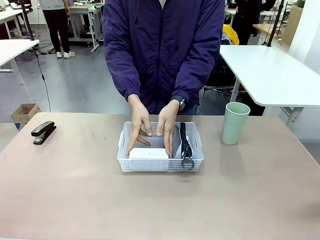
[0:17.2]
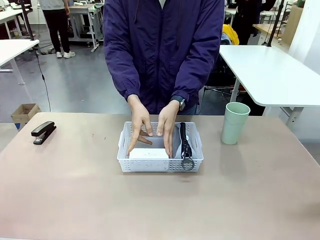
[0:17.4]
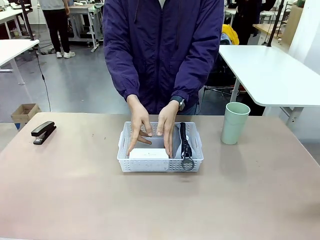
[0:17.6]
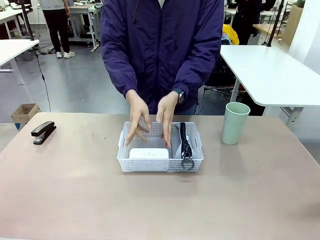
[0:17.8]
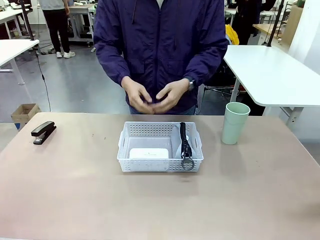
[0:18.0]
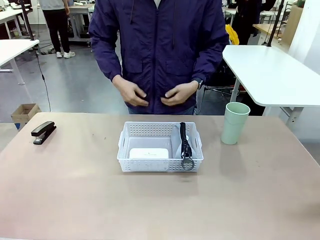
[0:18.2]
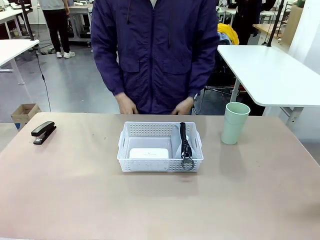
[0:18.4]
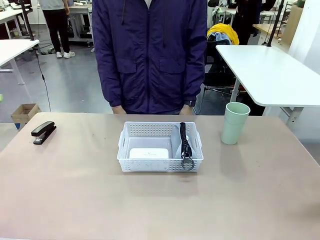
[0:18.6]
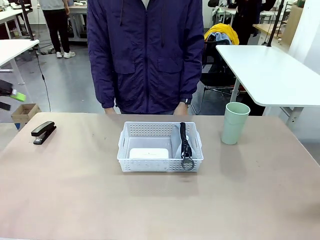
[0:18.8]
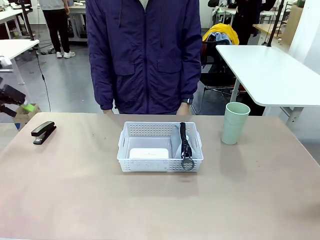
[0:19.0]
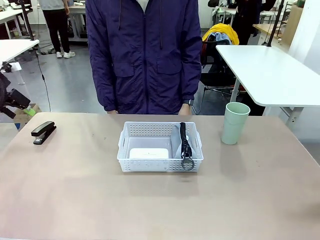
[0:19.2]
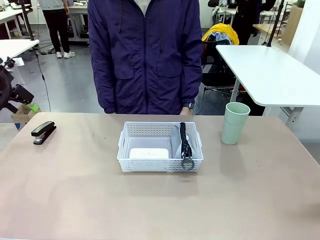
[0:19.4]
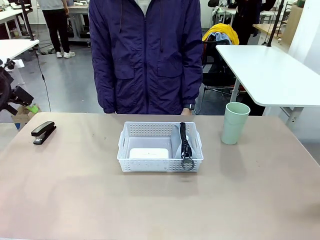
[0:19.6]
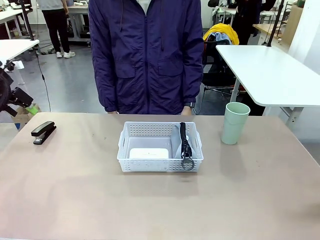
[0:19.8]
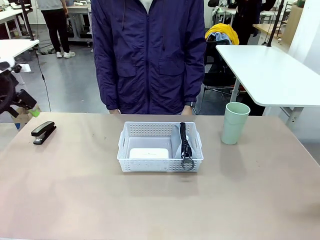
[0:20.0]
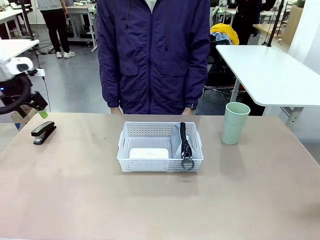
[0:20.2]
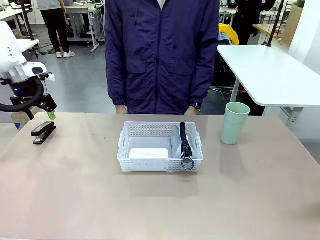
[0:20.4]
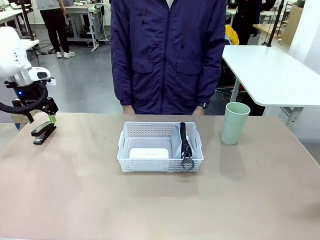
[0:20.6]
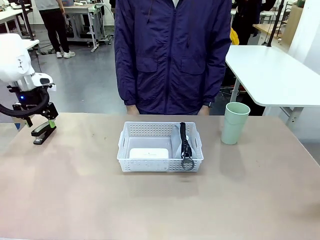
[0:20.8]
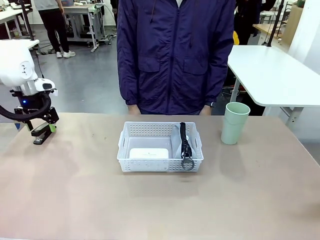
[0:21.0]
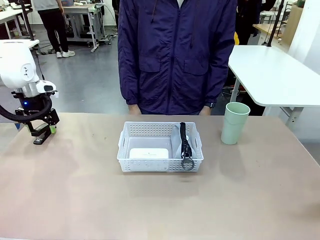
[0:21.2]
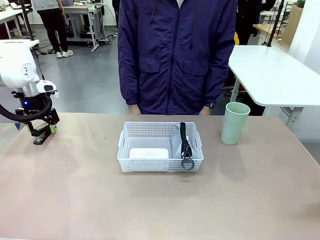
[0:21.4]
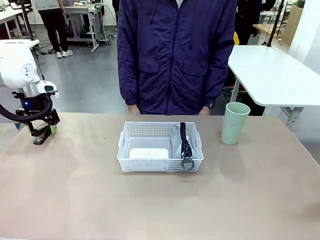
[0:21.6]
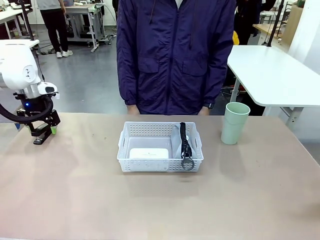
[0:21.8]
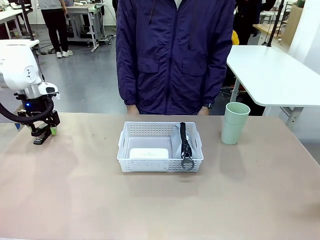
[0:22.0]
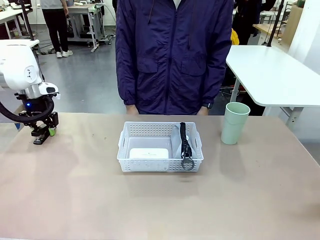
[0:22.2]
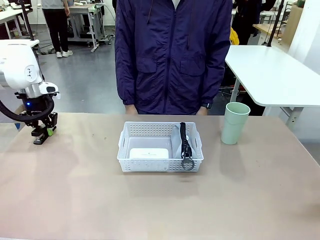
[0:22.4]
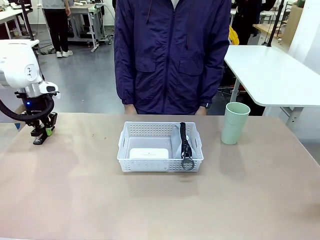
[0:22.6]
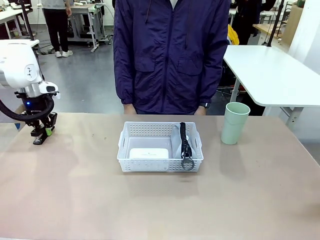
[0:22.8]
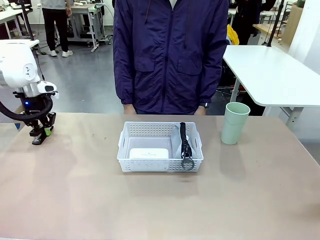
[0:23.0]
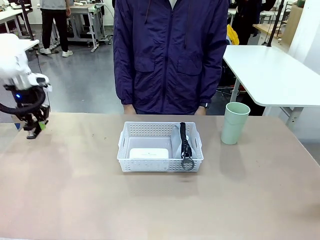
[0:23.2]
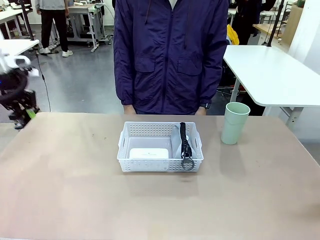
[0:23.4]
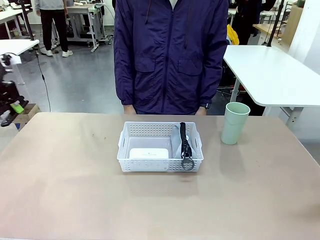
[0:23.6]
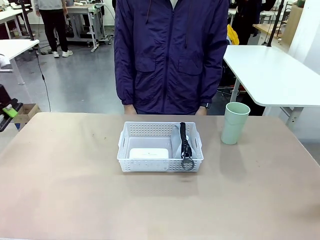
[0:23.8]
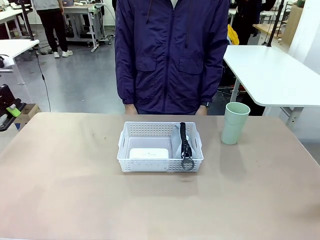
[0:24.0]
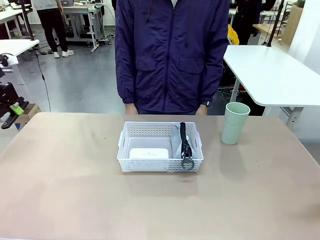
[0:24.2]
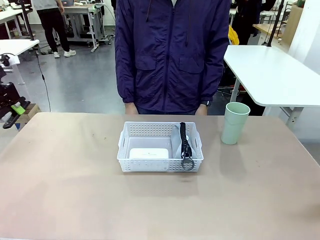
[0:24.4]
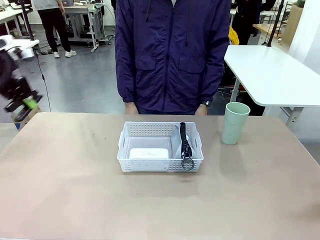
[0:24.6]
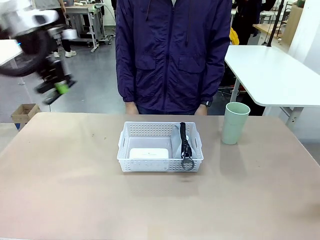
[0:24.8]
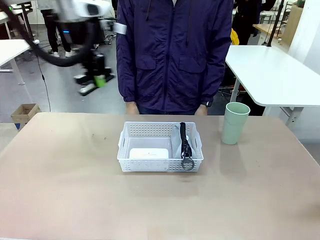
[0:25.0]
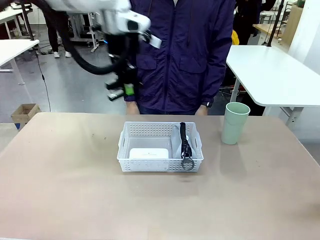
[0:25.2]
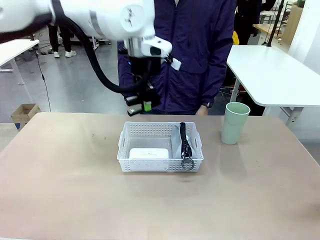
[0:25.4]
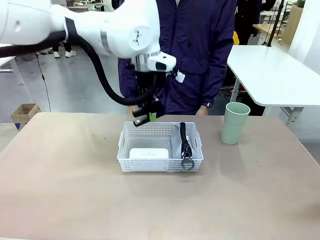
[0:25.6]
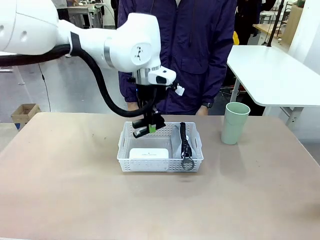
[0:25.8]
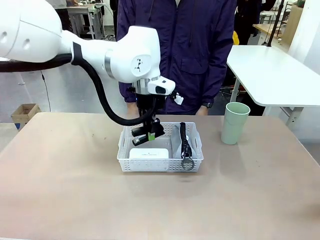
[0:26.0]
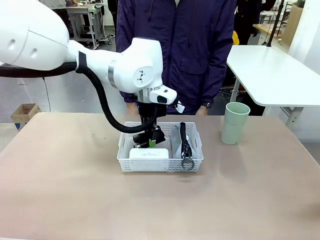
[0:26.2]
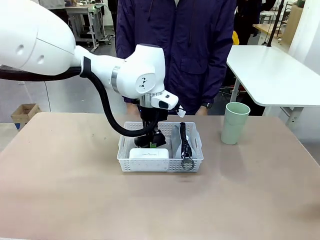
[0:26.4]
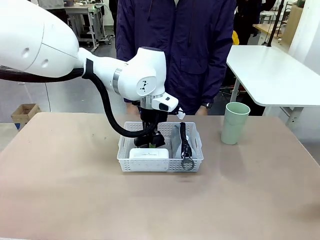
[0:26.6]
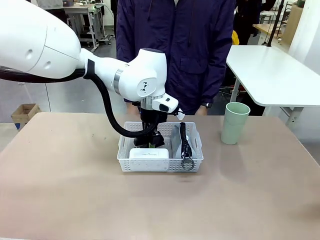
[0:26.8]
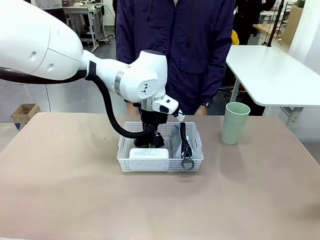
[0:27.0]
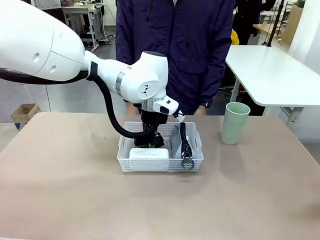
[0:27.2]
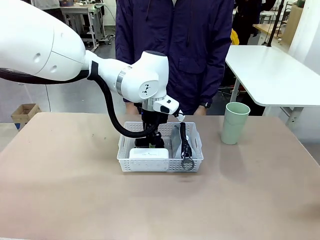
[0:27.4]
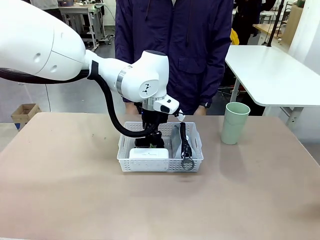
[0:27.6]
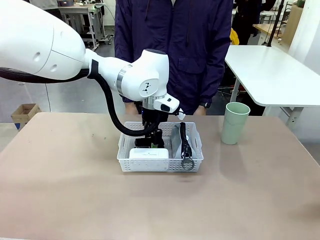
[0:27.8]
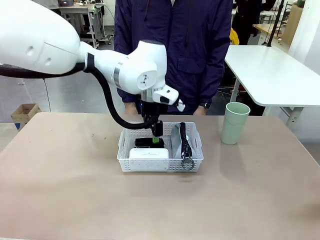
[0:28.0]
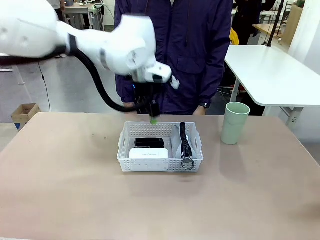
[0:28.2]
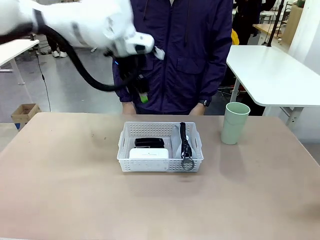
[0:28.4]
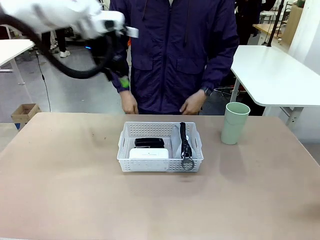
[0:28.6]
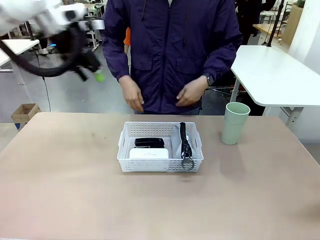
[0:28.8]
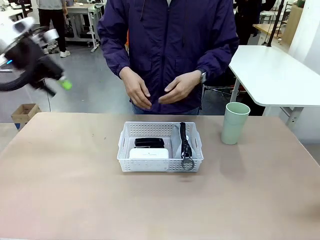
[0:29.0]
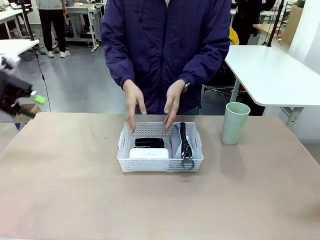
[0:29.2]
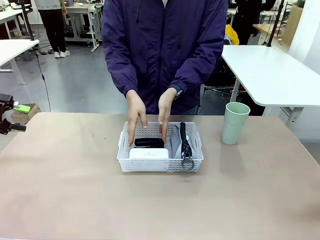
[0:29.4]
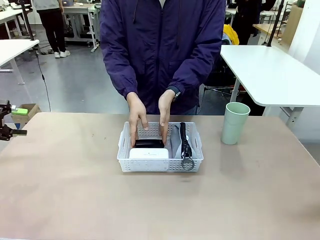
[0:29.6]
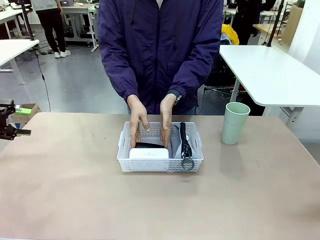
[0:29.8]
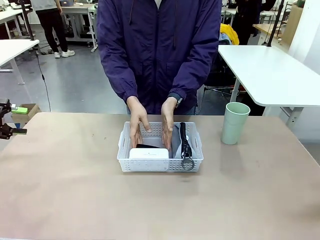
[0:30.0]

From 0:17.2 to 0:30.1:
Task: Efficiently arrange items inside the basket to fit them all.
Robot: Pick up the Stapler and place it inside the Organizing basket.

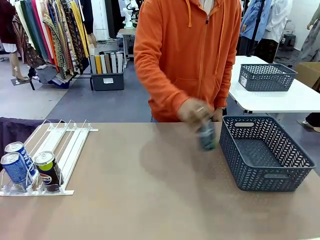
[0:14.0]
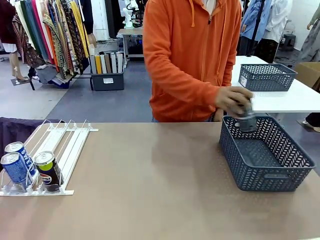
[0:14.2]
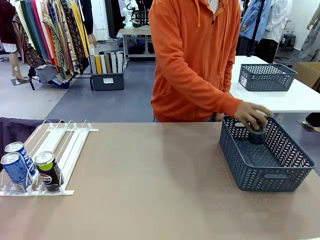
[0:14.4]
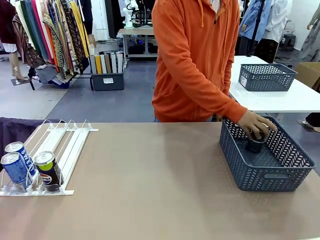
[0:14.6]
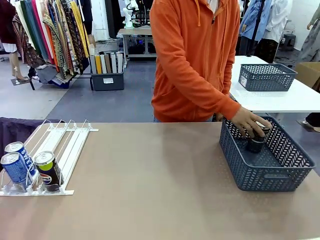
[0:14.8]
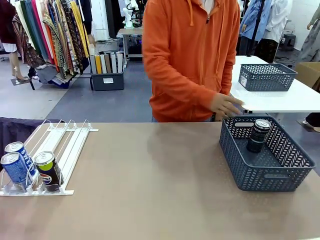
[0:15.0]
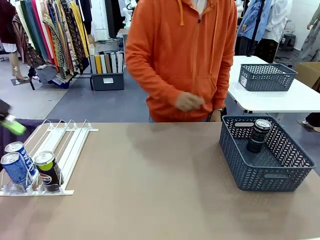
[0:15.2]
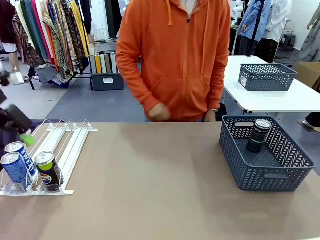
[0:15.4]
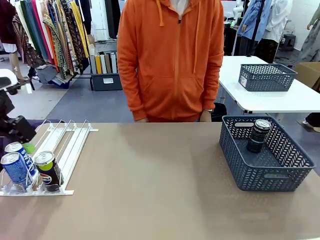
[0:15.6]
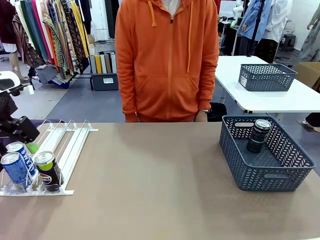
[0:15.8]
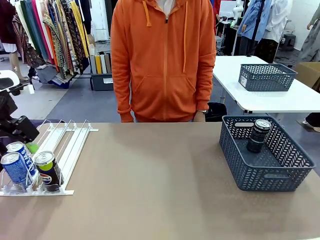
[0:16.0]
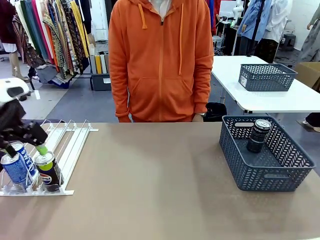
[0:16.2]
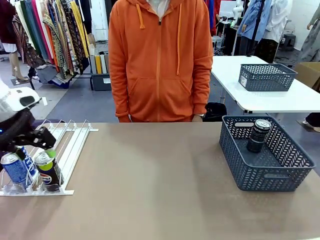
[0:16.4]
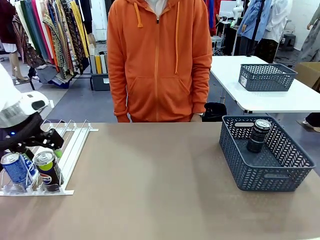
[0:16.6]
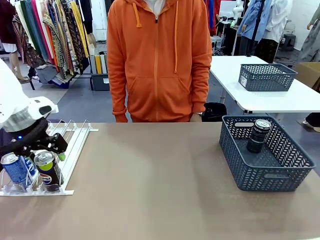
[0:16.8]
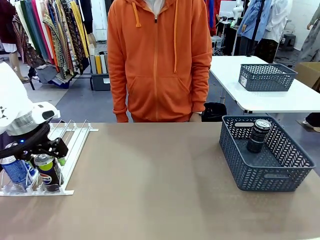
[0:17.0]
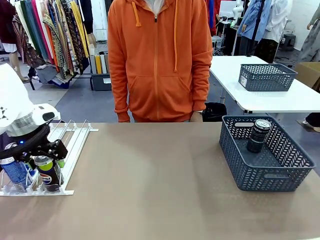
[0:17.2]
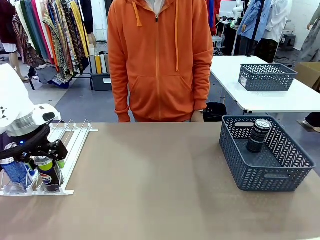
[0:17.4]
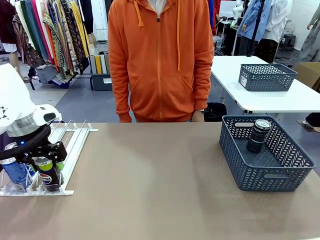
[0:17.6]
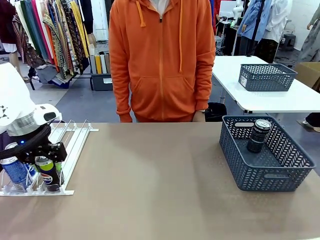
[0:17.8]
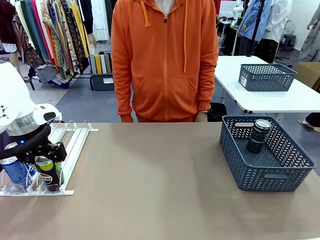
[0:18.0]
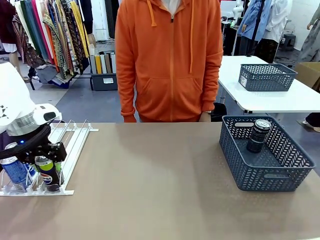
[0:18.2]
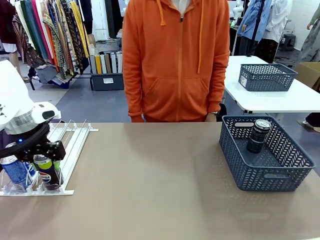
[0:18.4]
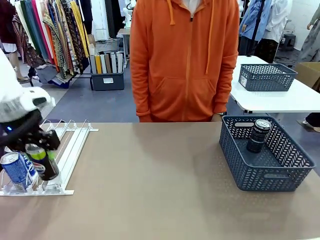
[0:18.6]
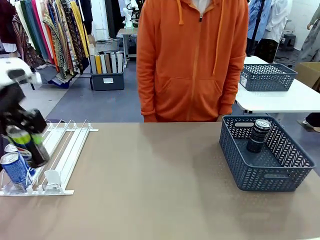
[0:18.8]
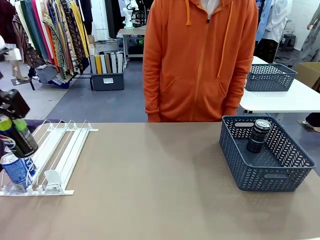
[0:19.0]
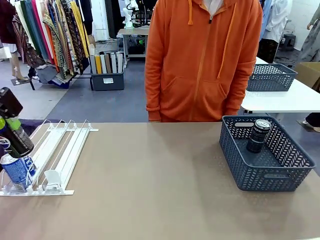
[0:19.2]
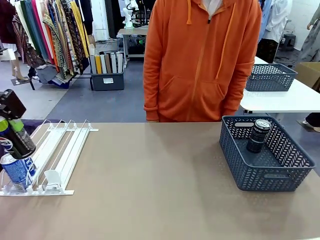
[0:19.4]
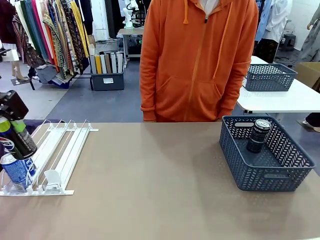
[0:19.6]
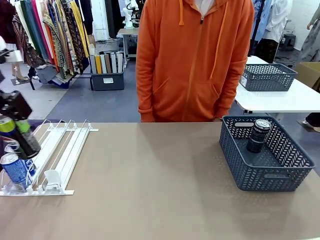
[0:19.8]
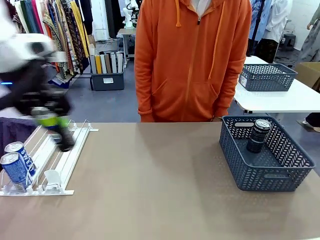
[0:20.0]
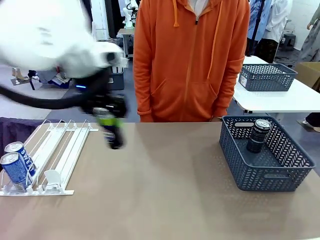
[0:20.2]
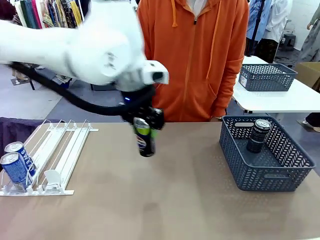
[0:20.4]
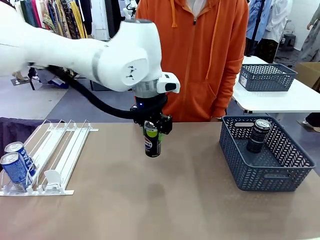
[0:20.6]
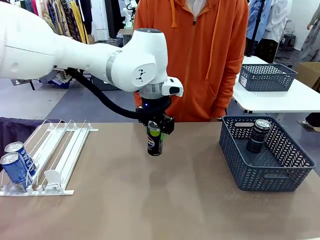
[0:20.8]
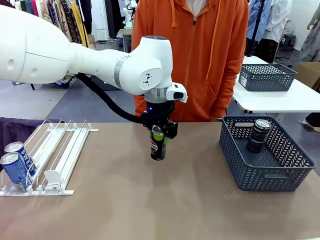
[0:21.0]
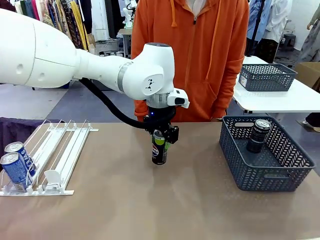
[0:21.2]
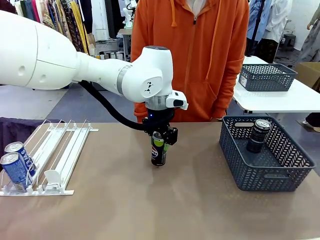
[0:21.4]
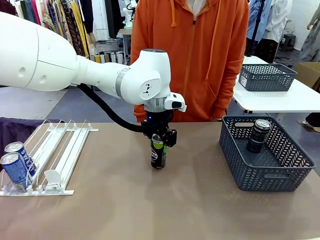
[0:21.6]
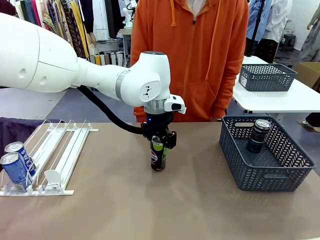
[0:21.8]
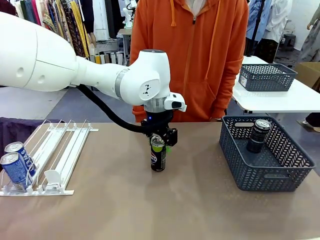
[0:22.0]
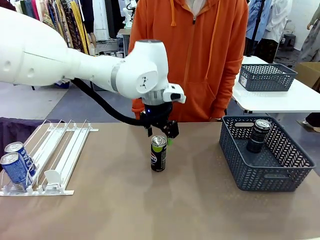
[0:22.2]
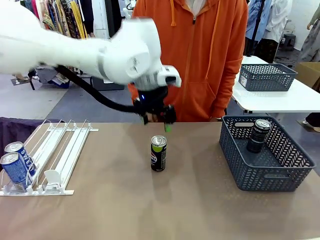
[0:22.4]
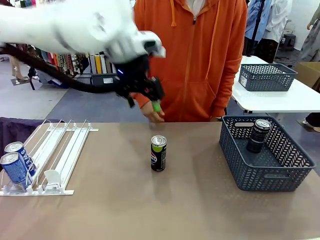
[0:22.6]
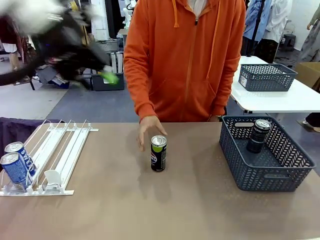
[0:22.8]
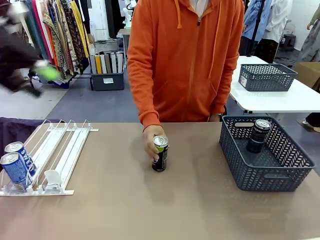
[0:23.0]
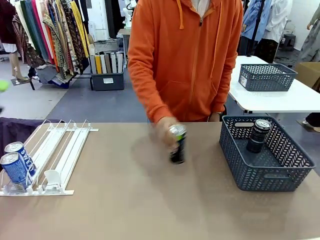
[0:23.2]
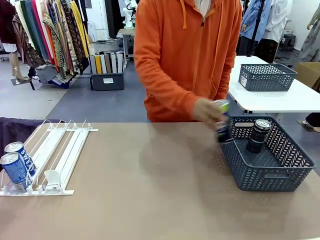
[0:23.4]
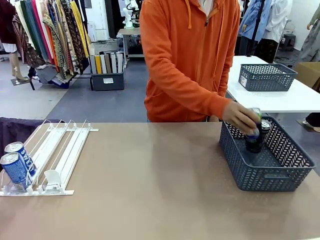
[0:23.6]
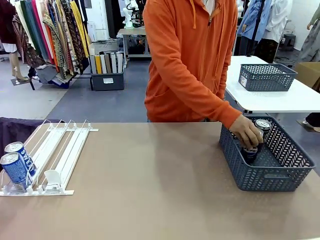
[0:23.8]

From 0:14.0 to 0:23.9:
Task: Retrieve and store the cans from the dispenser.
Robot: Pick up the last remaining can from one row of the Automatic Can Dispenser and place it in the middle of the table.
Person: Pick up one Pepsi can from the middle of the robot table and place it in the basket.
